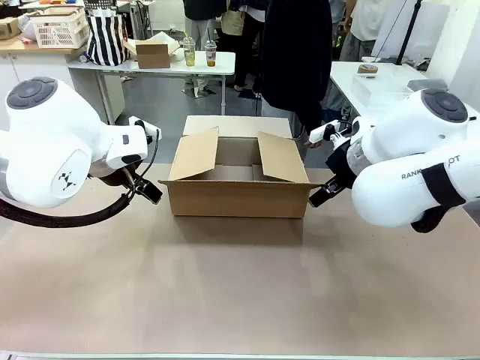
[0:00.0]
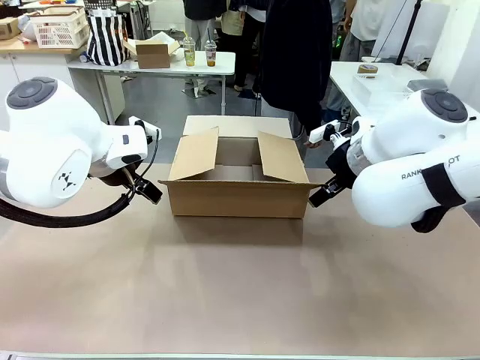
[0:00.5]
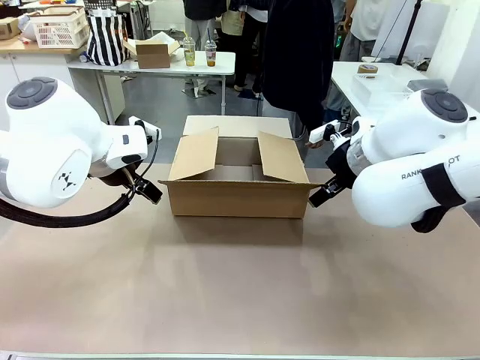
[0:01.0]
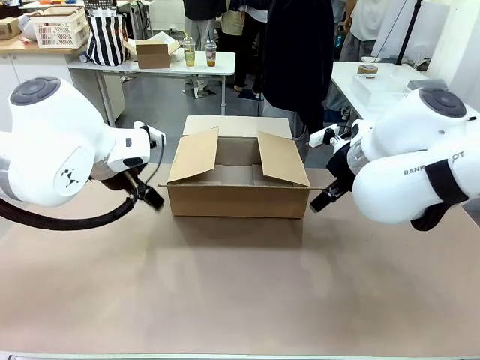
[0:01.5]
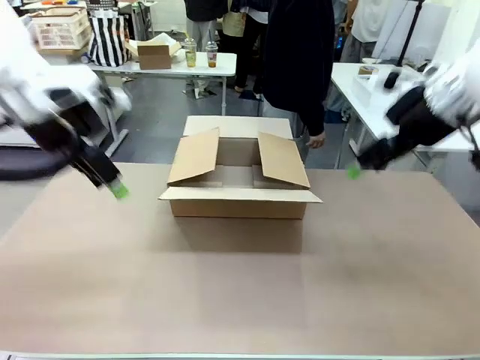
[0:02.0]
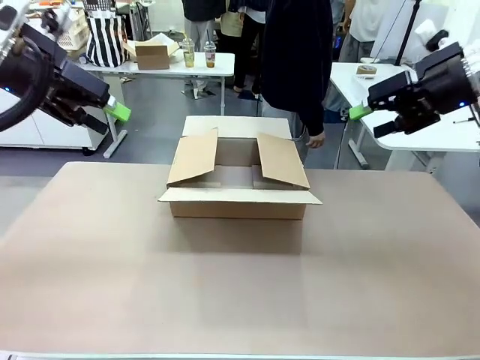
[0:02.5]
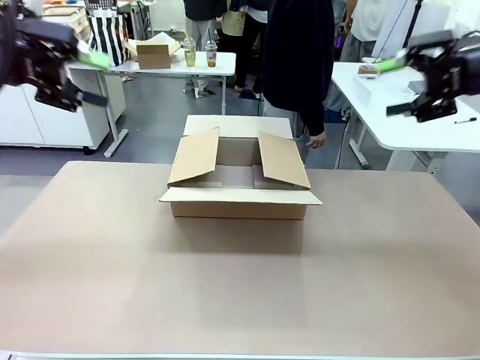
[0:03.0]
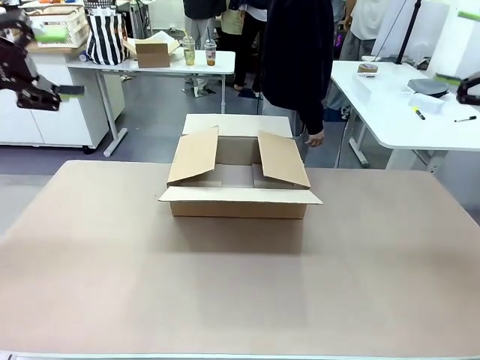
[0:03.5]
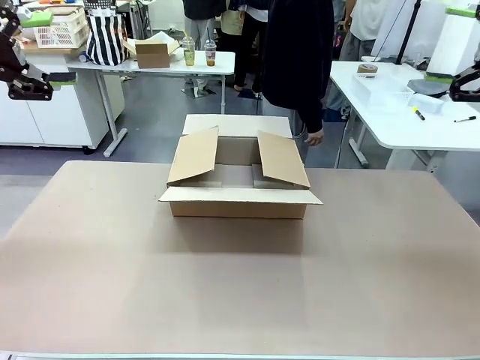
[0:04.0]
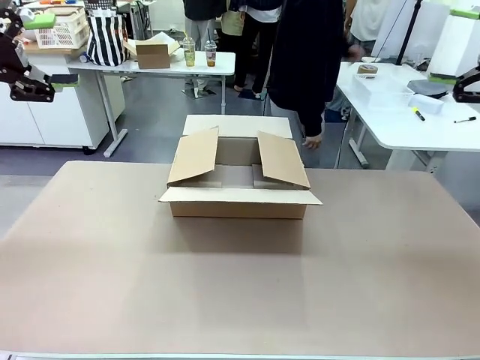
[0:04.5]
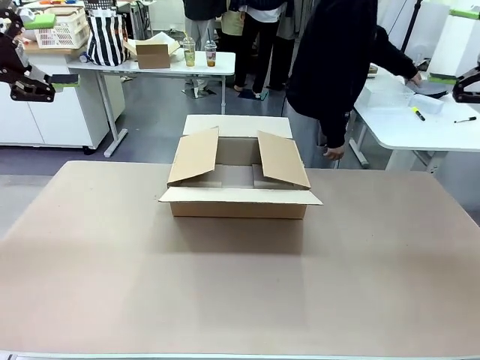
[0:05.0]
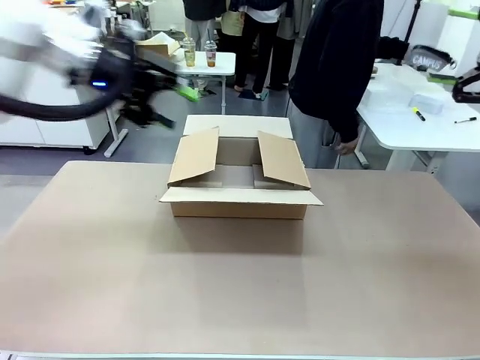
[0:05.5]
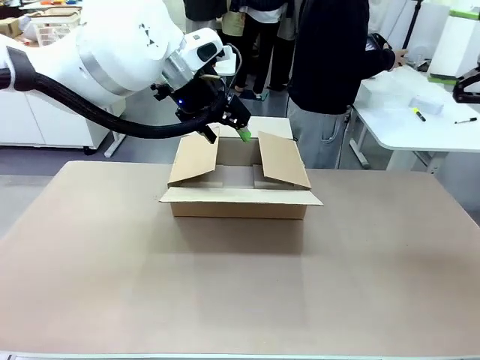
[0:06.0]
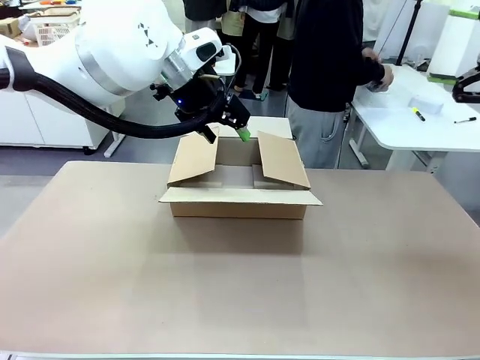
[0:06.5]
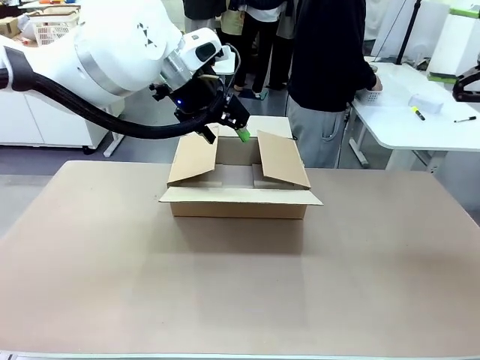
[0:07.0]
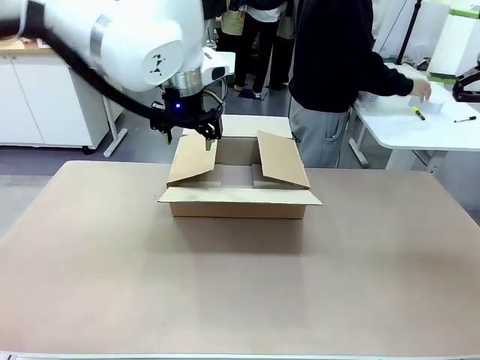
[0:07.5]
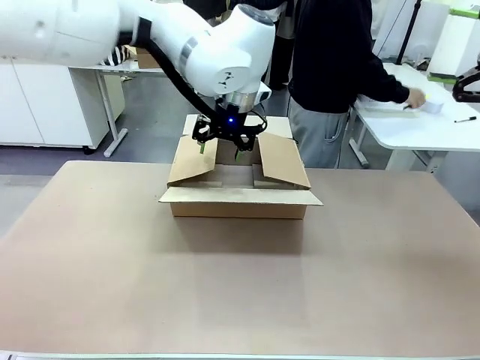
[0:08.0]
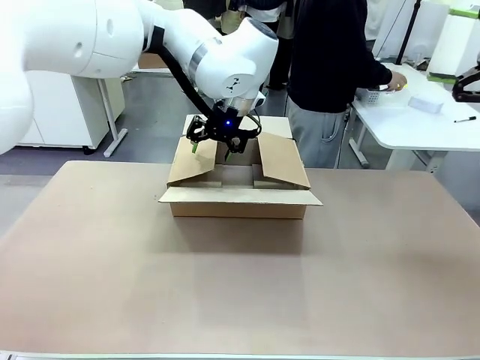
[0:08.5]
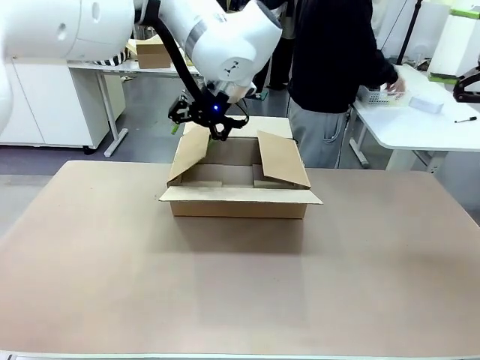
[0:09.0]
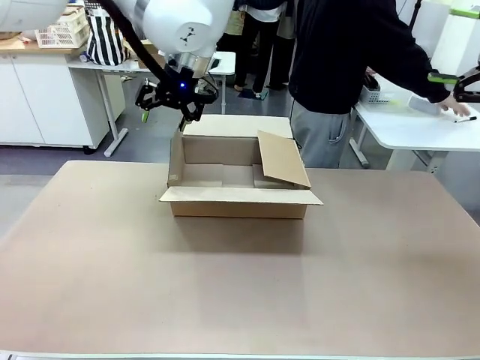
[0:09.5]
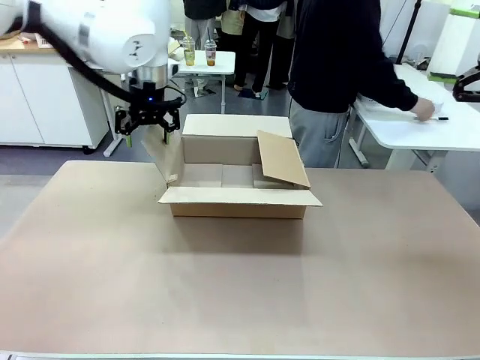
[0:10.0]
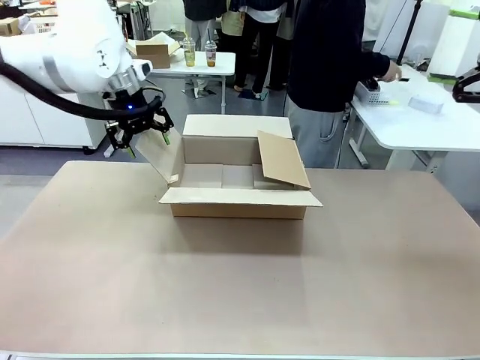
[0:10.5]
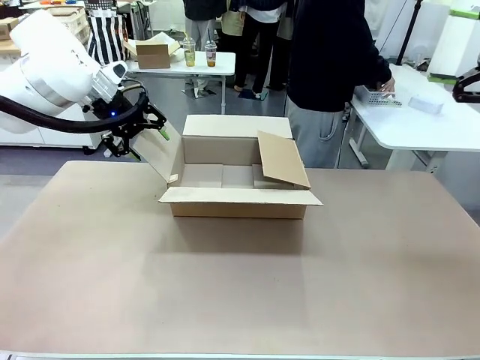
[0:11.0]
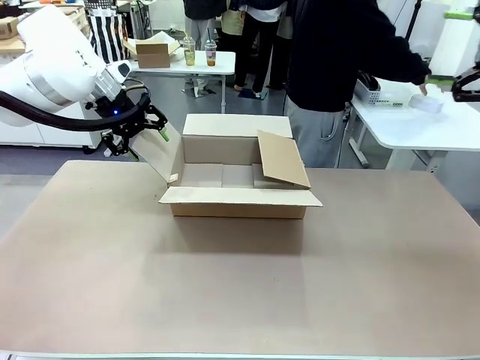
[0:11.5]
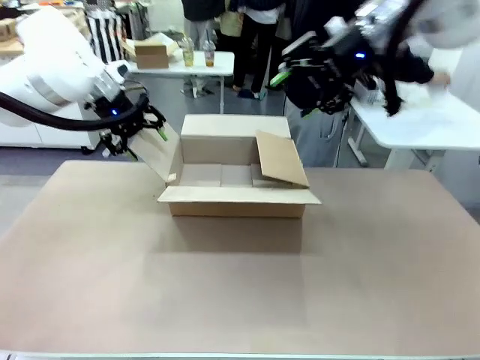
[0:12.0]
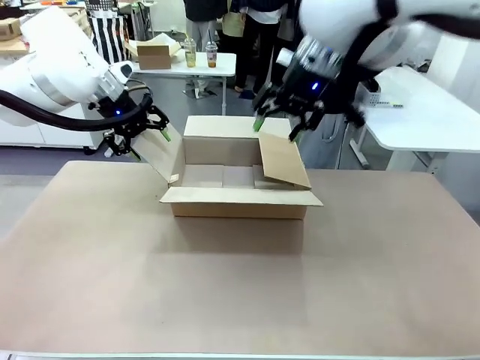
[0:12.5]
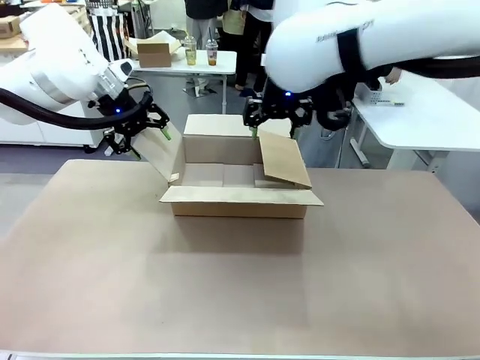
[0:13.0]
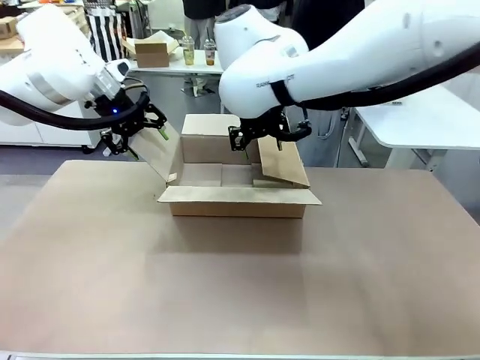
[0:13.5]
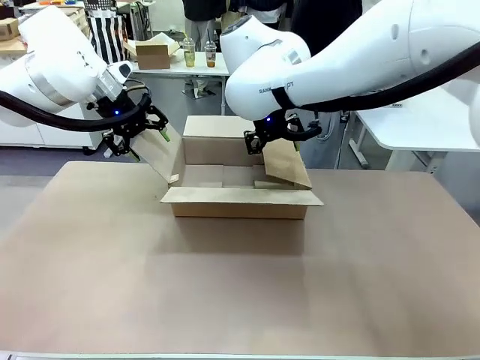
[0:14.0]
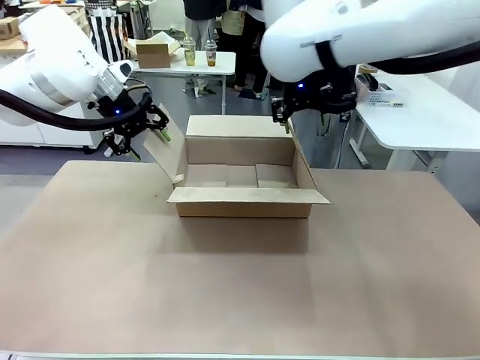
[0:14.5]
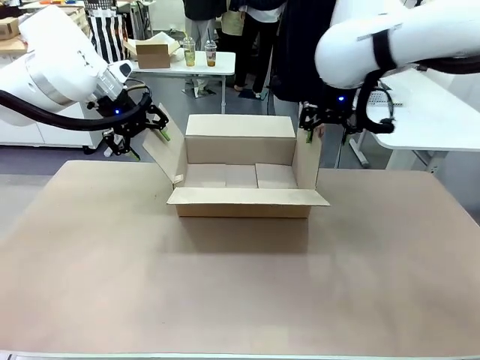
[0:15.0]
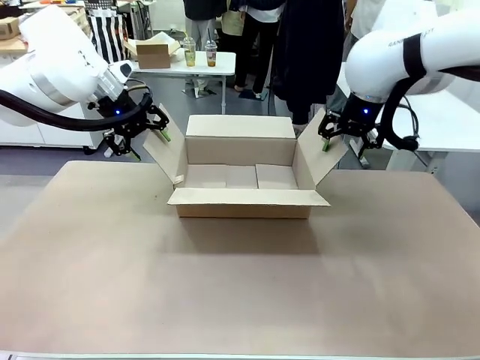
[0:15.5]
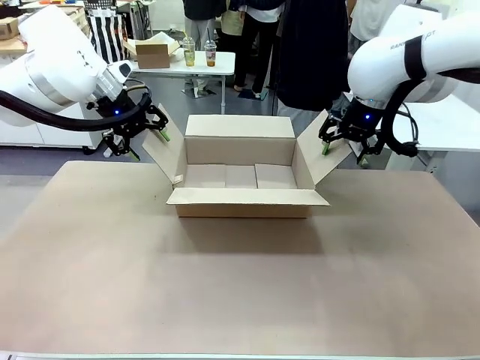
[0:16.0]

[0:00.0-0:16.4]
Task: Pack the gift set into the box.
Robot: Place both hands on the side flaps of the Package Box and spread them outward.
Person: The human places all items except the paper tape into the organizing basket.

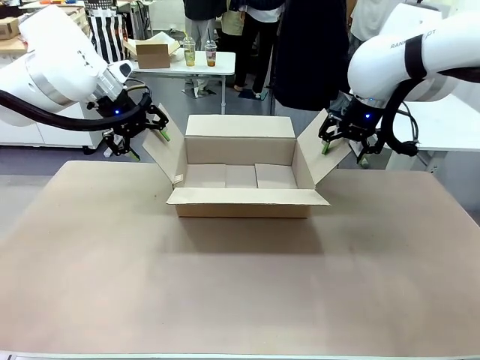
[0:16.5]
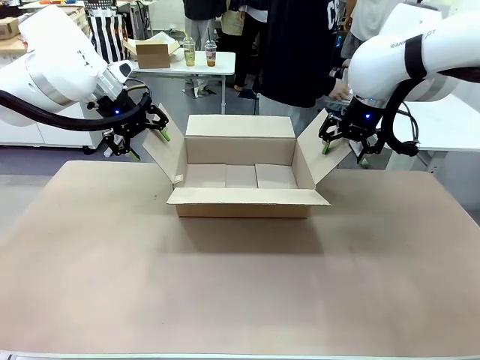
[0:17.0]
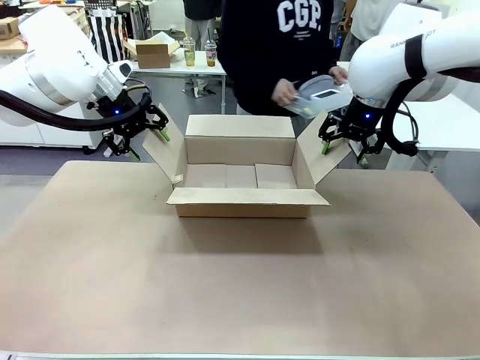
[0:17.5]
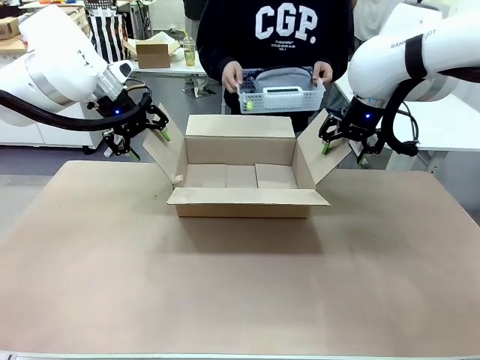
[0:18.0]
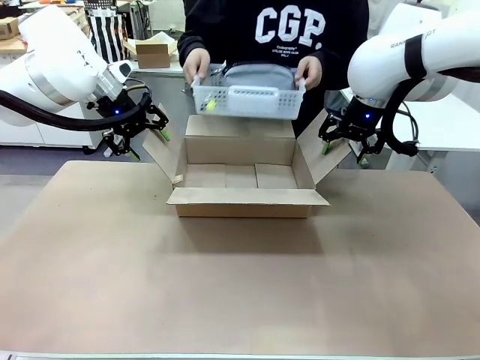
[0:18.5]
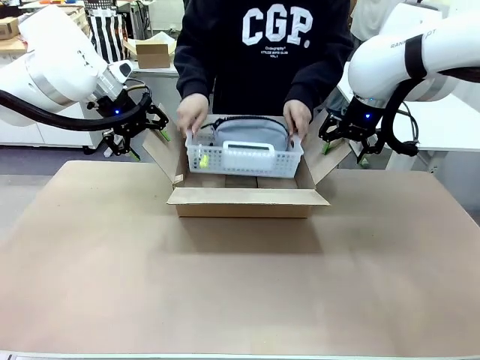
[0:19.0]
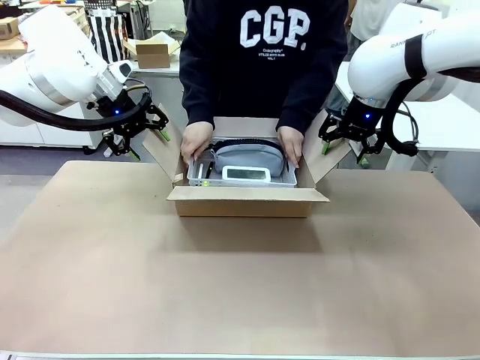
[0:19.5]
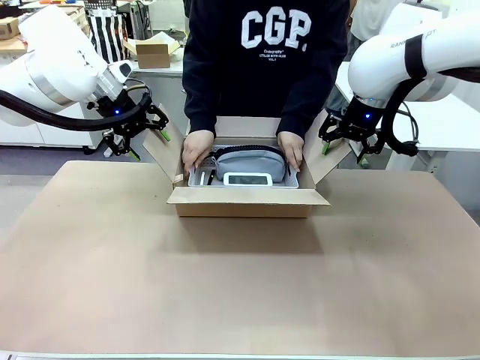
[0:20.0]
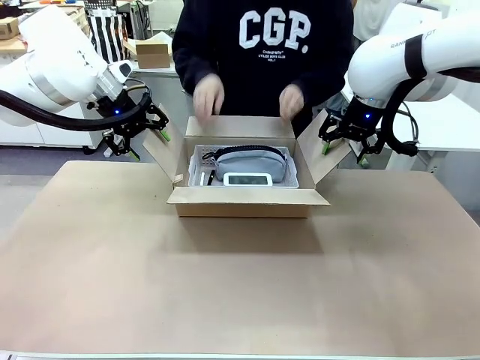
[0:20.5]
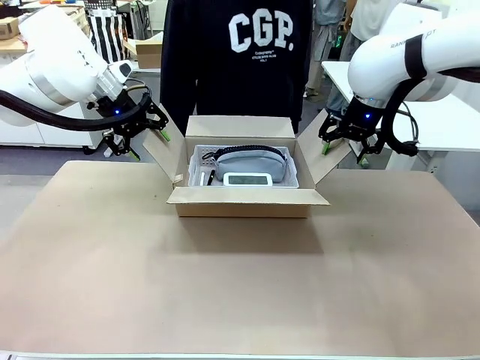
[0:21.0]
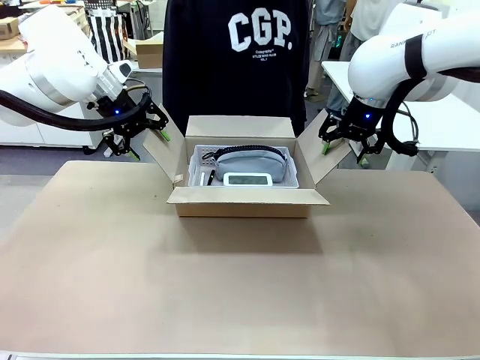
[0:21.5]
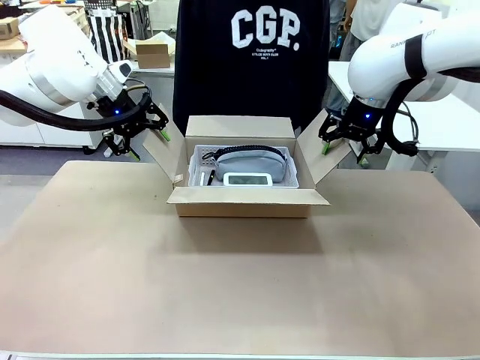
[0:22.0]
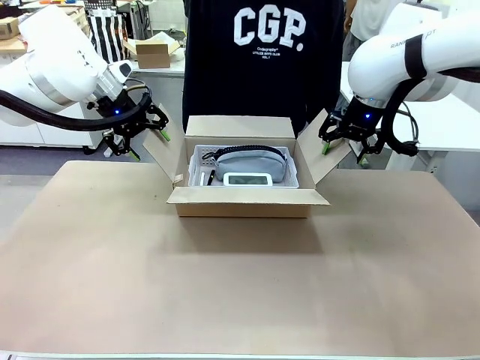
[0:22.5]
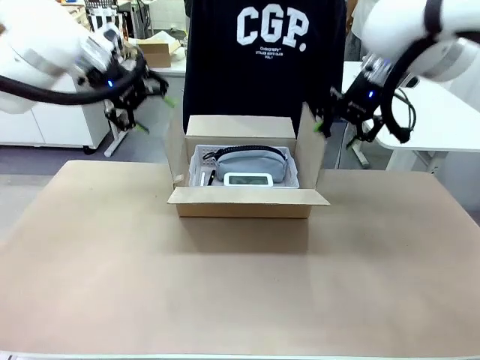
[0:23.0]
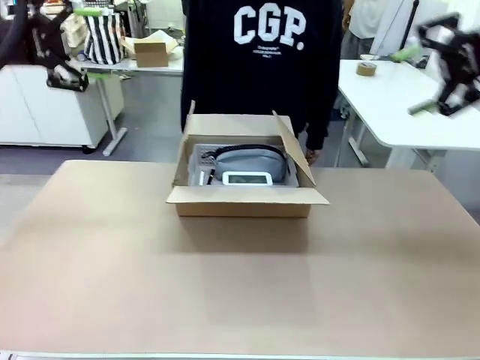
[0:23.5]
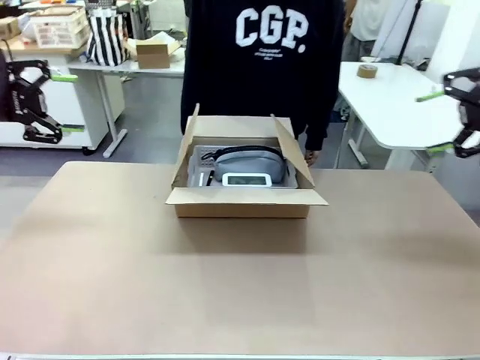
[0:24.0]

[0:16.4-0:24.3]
Robot: Lift both hands away from the flaps of the Package Box.
Person: The human picks up the organizing basket and places the organizing basket into the package box on the robot table.
